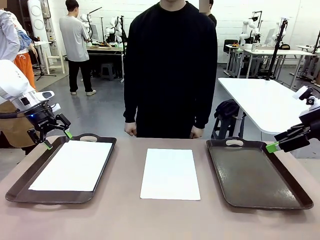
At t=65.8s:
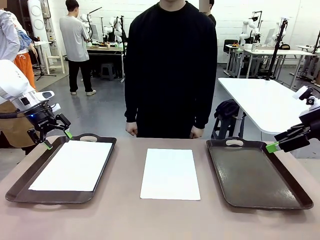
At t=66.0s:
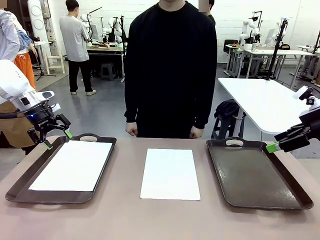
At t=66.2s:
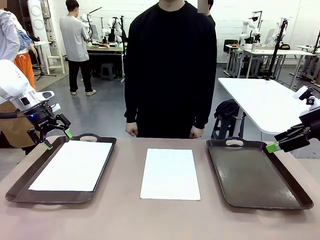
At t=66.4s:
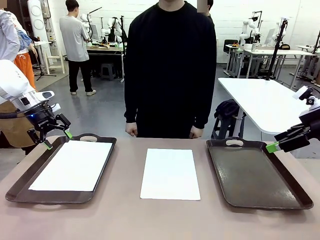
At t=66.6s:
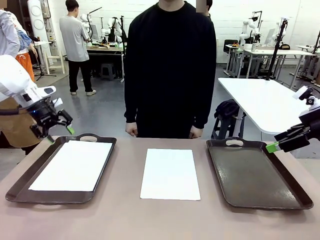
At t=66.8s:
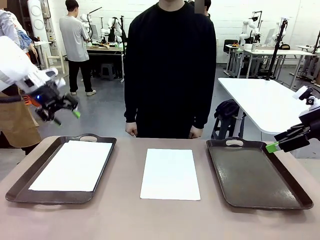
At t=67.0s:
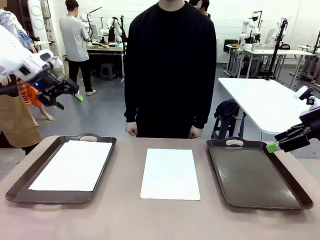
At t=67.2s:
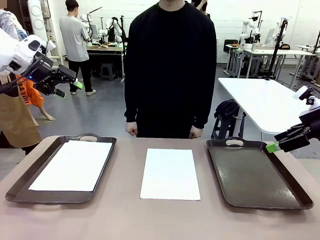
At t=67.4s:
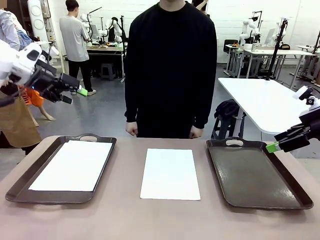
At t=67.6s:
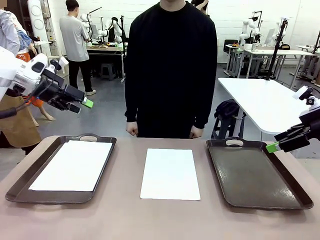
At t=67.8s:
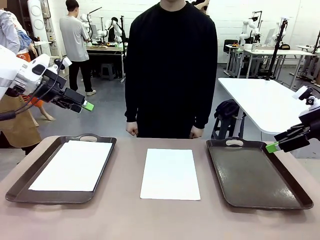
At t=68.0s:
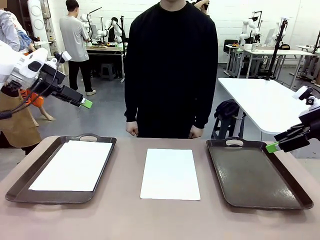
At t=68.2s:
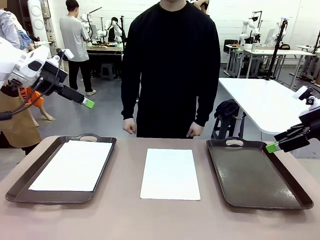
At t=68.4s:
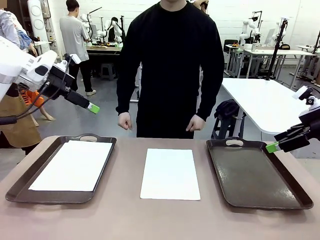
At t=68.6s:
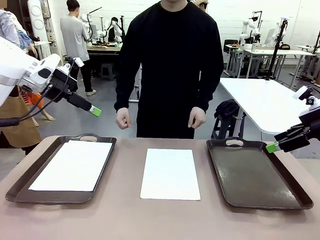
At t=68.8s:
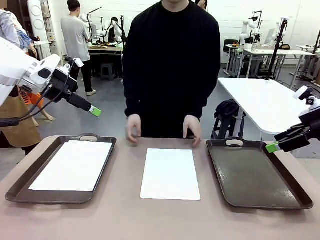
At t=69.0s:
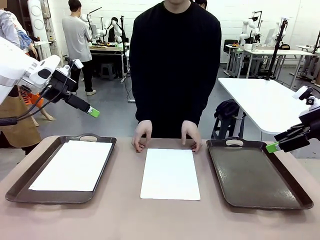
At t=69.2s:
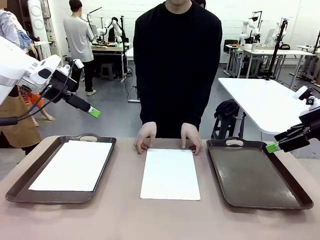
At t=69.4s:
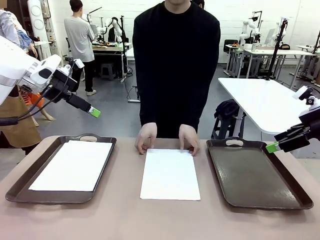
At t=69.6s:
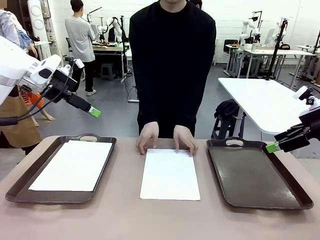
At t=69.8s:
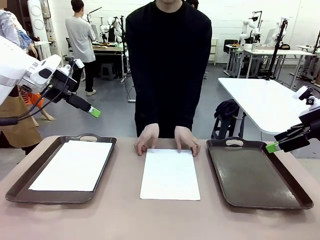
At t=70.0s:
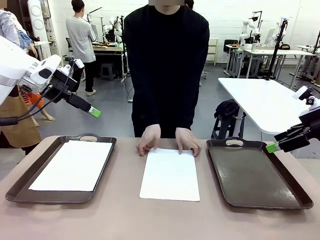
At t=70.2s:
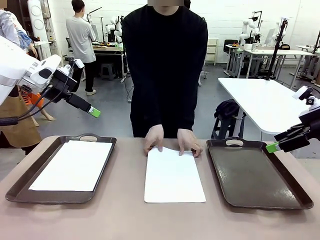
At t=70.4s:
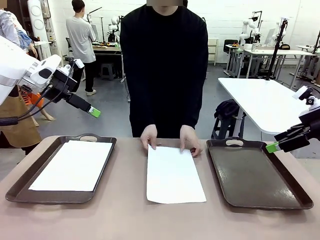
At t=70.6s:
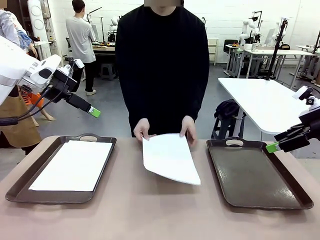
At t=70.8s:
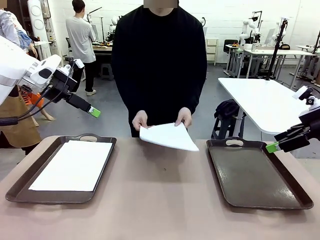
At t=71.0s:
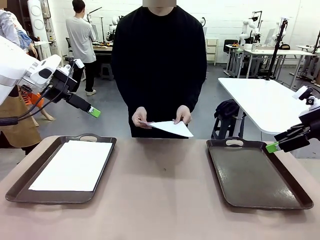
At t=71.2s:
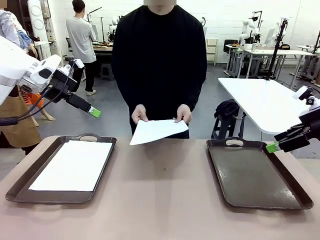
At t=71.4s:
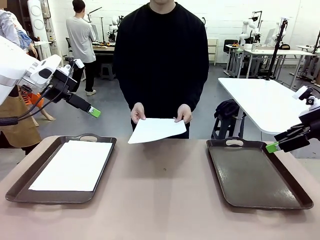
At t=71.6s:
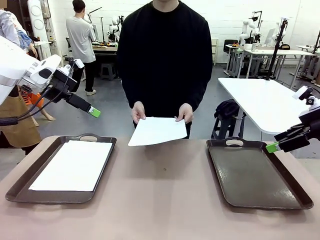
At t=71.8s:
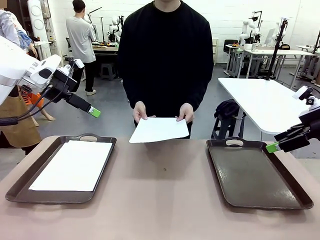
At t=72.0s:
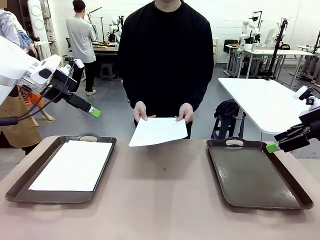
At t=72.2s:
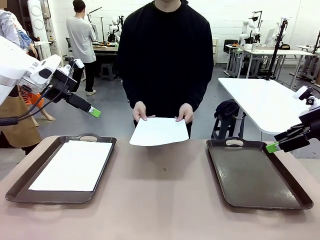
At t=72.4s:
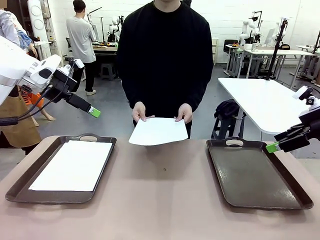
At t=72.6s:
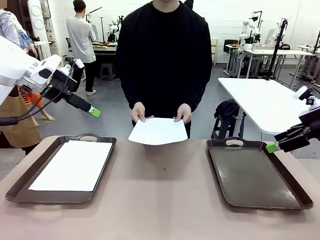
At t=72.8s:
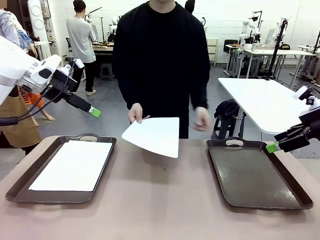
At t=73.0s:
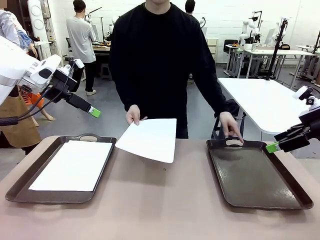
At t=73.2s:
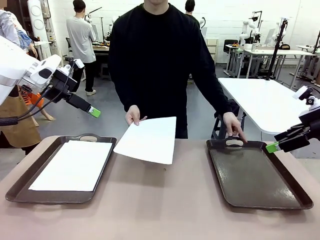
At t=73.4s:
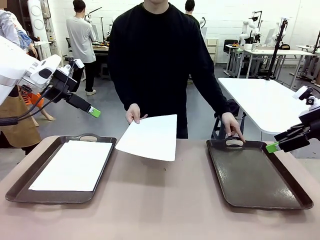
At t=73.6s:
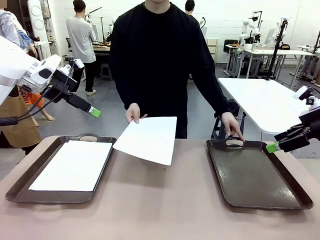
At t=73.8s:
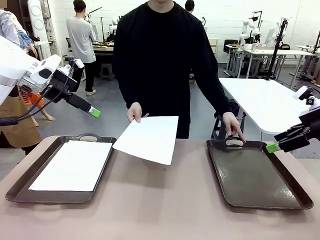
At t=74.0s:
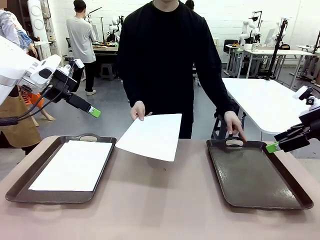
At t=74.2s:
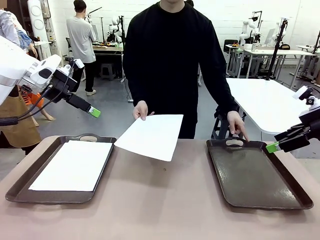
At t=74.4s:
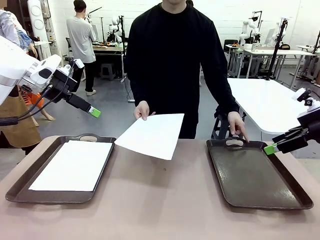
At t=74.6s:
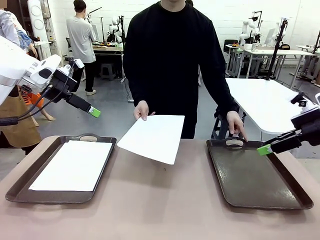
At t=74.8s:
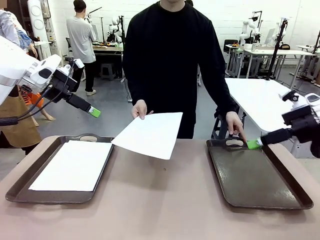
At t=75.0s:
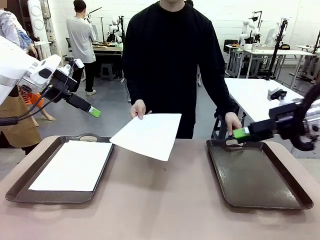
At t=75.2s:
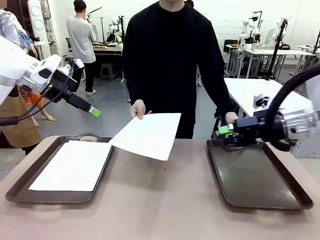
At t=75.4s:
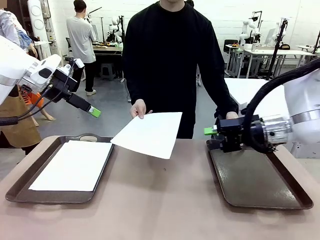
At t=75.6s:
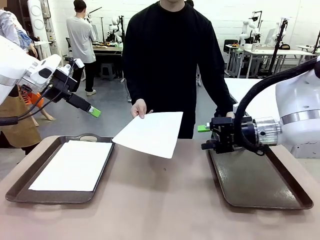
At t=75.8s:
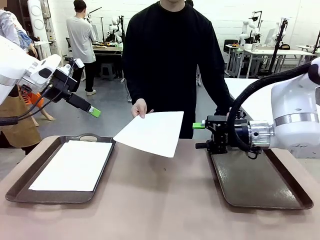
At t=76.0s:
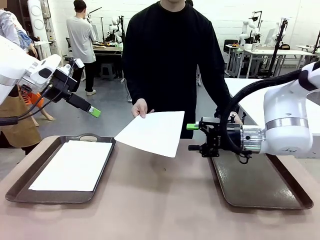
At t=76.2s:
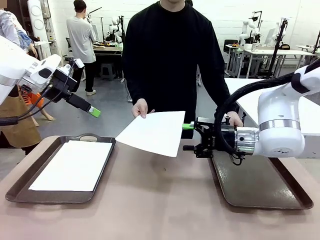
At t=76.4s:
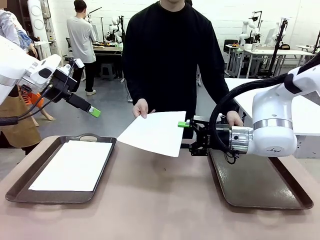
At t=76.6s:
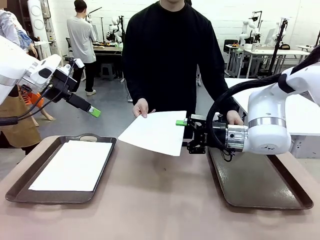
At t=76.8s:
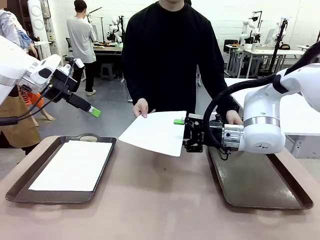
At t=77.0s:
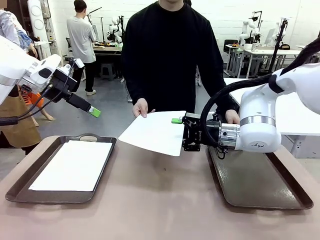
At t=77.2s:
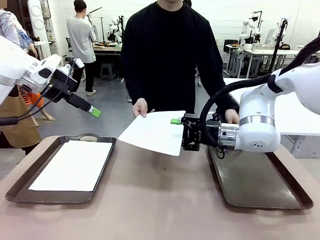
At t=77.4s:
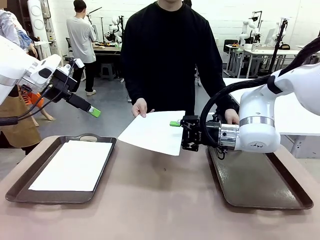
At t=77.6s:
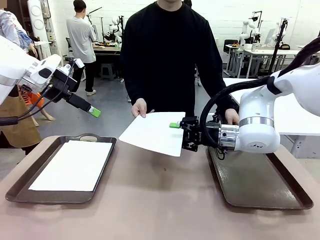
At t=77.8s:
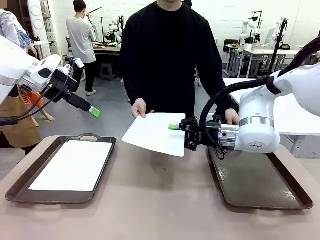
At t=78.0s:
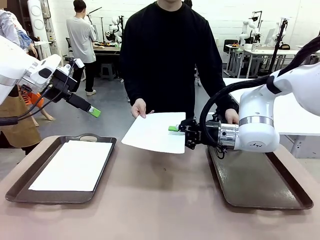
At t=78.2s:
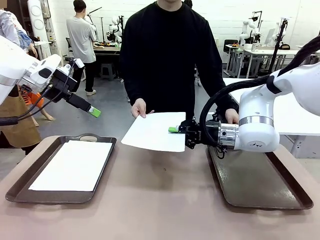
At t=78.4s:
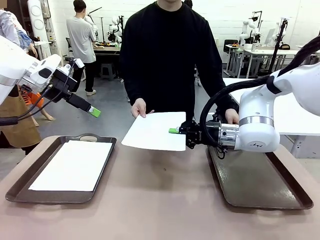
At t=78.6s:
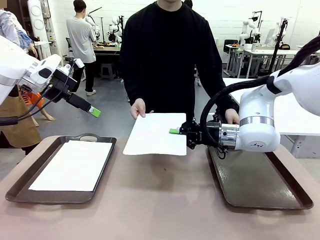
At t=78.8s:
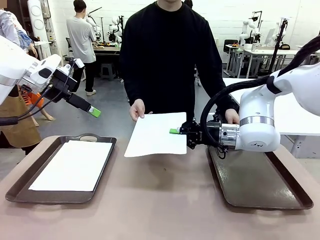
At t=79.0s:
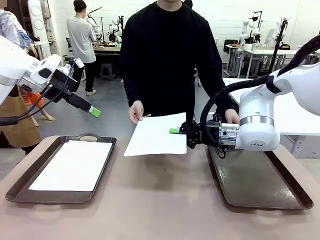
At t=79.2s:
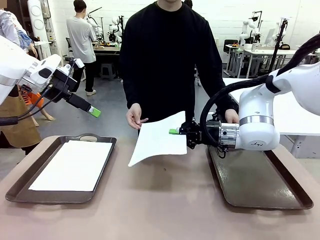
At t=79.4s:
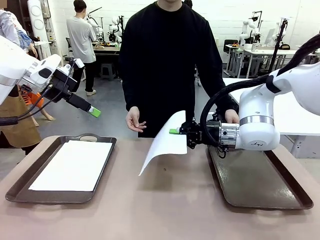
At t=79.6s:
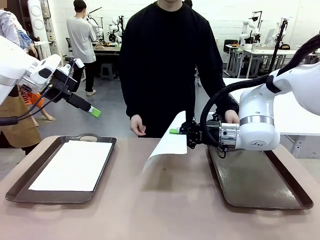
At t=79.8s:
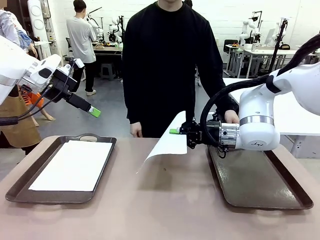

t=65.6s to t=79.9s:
Task: Sort the A4 documents.
Robot: Receive the A4 Paper.
Person: Point the randomly selected tray with the other hand.

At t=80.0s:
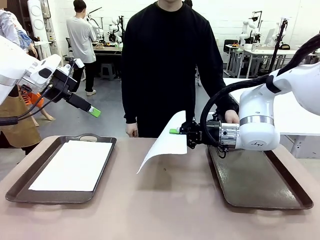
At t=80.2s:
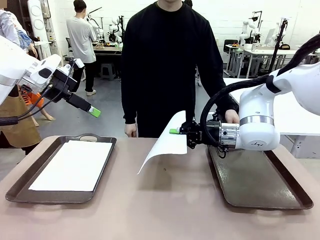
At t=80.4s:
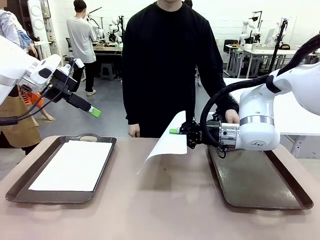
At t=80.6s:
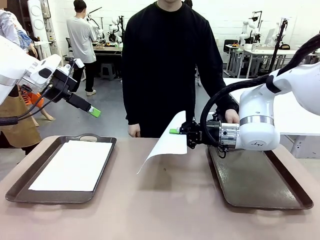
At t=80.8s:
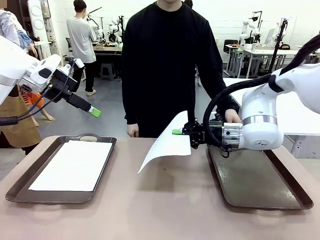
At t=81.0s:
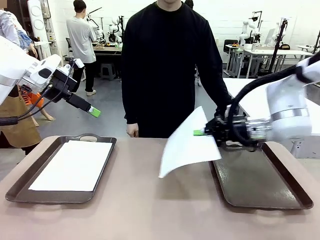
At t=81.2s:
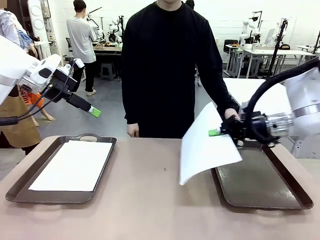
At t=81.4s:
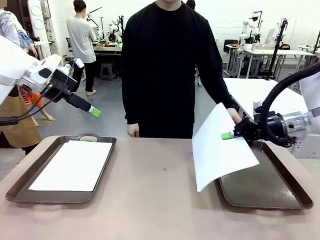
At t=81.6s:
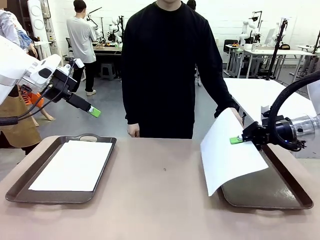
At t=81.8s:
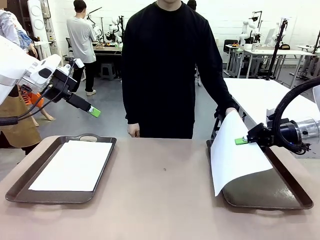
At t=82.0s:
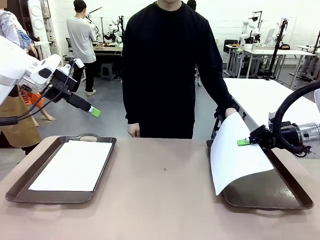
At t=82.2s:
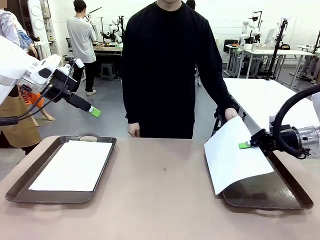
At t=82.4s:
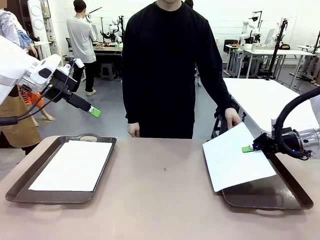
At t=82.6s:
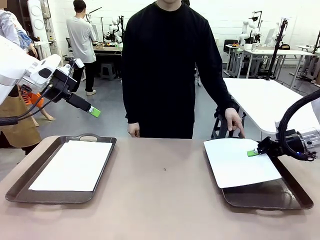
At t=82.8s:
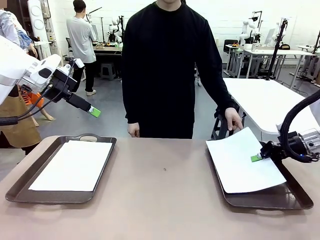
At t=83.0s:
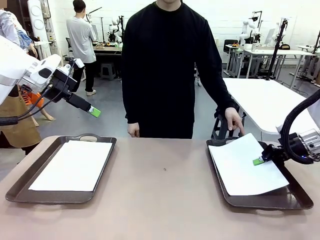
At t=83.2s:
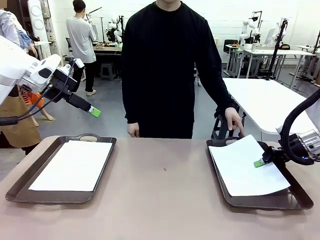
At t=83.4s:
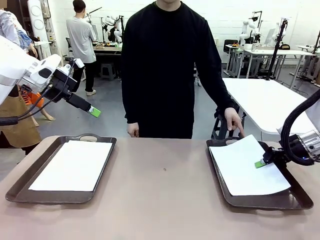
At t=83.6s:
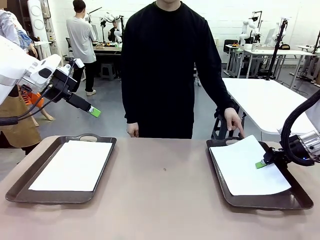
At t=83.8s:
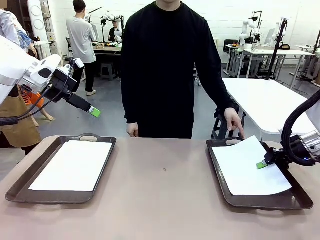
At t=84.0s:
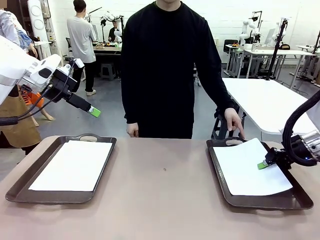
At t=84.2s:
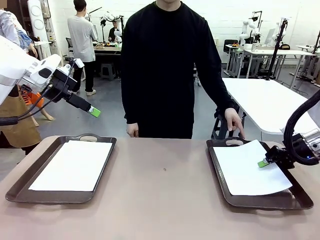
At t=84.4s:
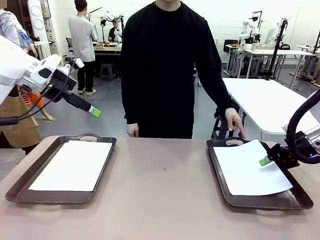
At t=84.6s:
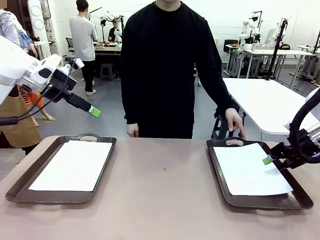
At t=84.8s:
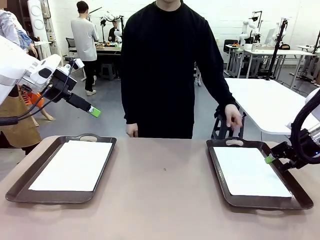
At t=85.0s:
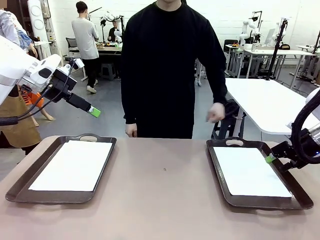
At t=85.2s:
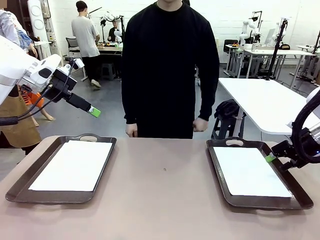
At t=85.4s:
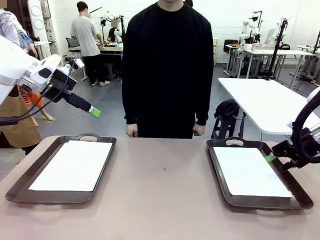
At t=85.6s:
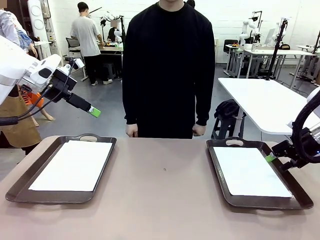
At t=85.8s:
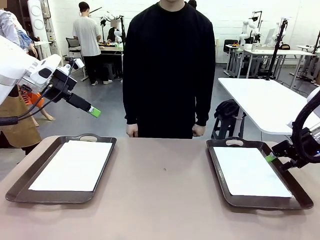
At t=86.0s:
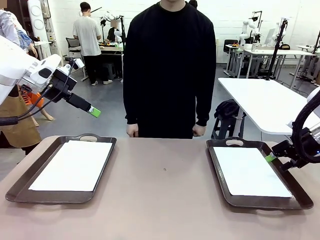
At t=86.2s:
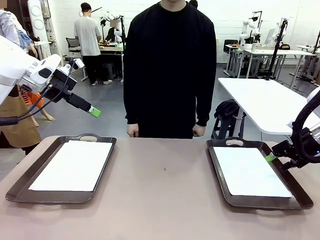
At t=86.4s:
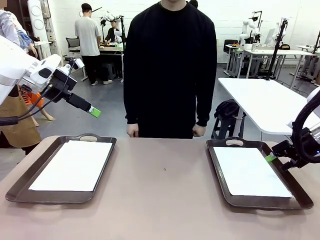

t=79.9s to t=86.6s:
Robot: Place the A4 Paper in the designated Handle tray.
